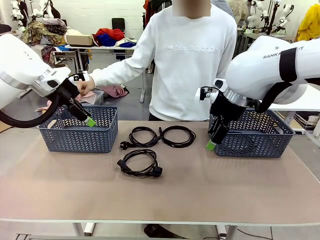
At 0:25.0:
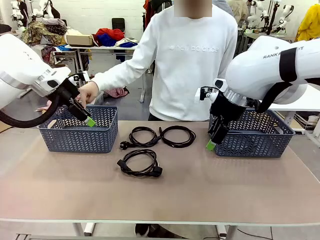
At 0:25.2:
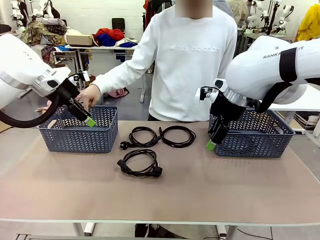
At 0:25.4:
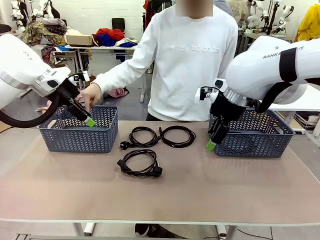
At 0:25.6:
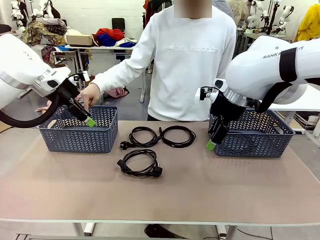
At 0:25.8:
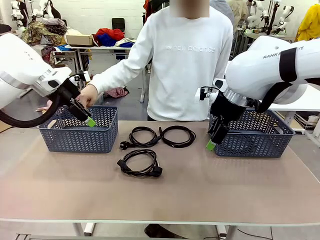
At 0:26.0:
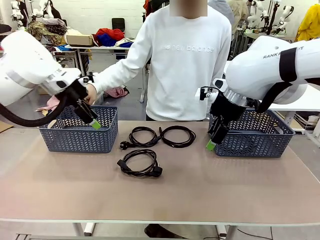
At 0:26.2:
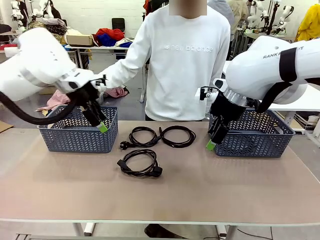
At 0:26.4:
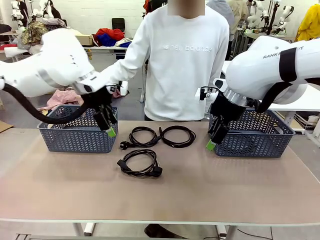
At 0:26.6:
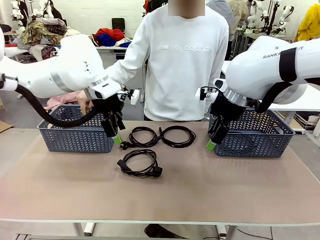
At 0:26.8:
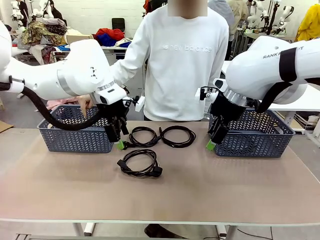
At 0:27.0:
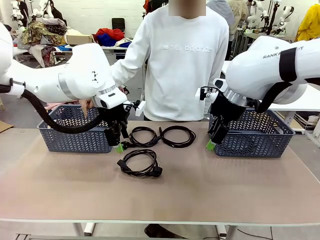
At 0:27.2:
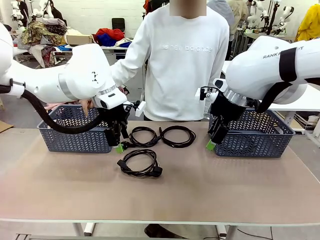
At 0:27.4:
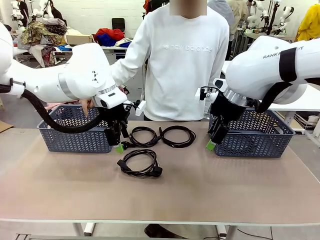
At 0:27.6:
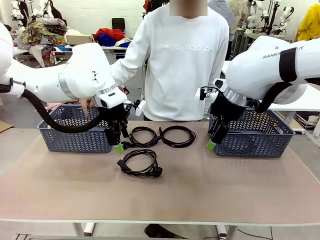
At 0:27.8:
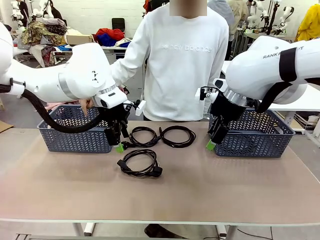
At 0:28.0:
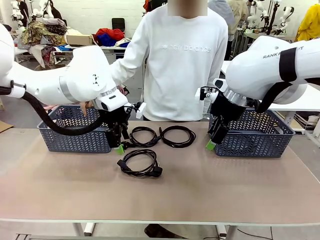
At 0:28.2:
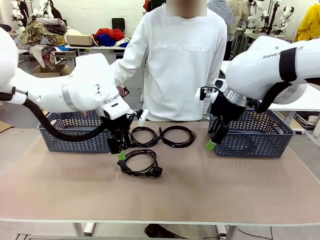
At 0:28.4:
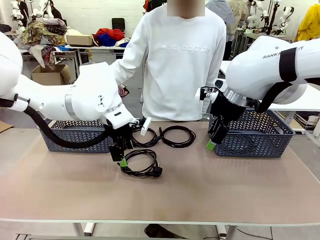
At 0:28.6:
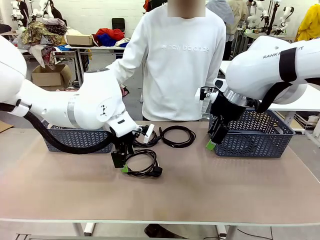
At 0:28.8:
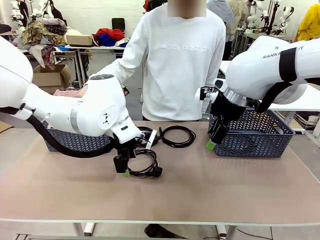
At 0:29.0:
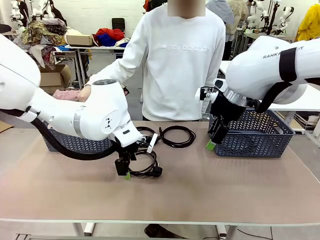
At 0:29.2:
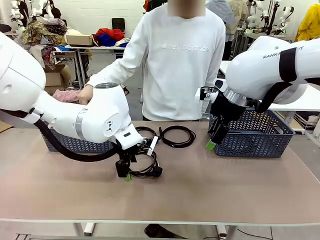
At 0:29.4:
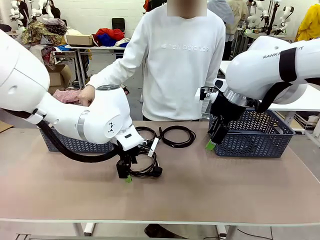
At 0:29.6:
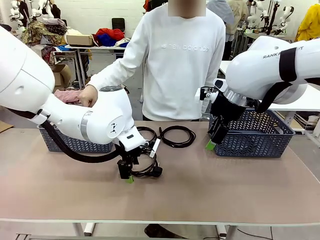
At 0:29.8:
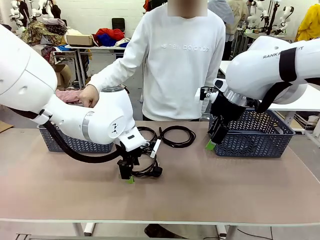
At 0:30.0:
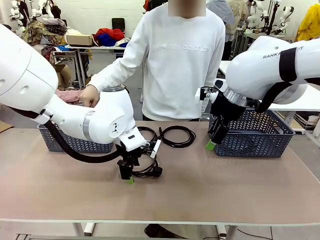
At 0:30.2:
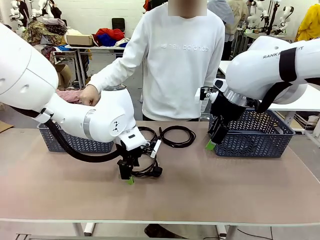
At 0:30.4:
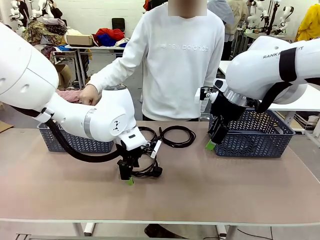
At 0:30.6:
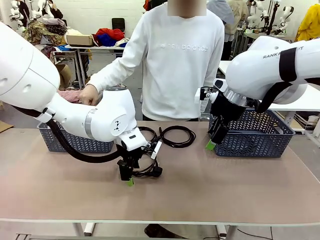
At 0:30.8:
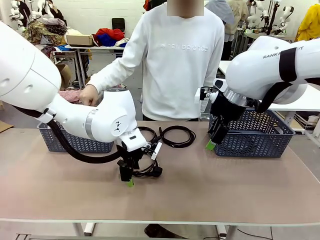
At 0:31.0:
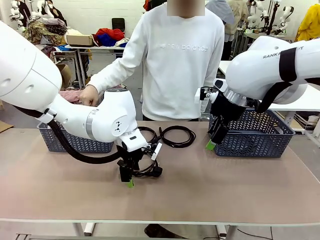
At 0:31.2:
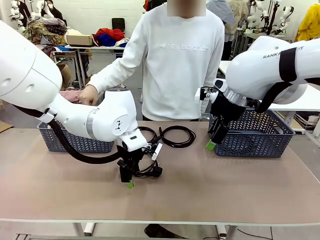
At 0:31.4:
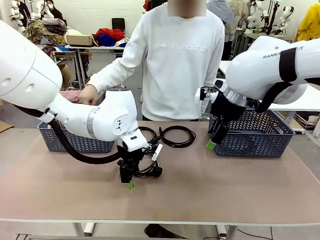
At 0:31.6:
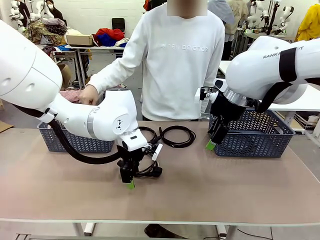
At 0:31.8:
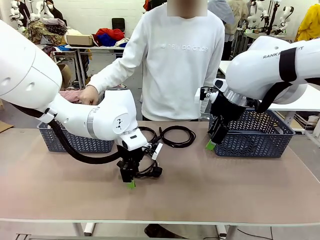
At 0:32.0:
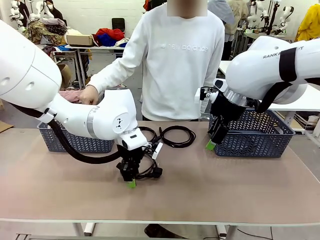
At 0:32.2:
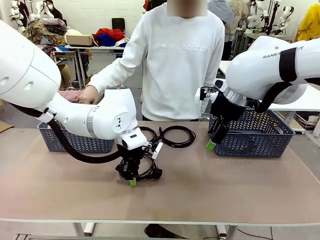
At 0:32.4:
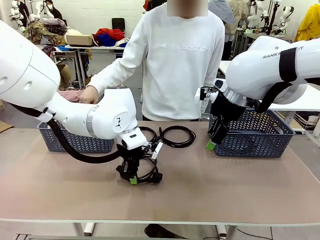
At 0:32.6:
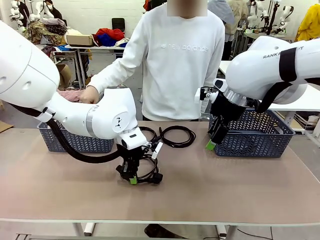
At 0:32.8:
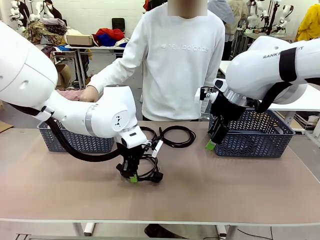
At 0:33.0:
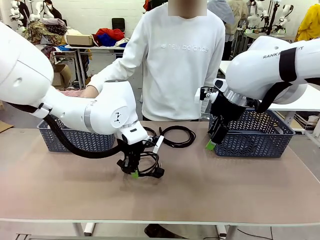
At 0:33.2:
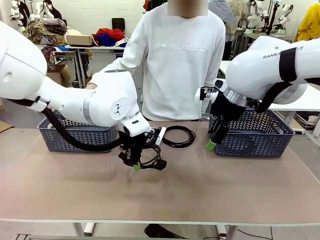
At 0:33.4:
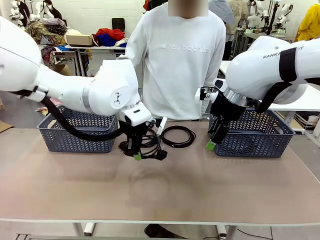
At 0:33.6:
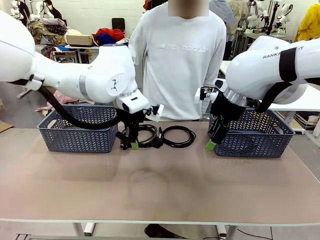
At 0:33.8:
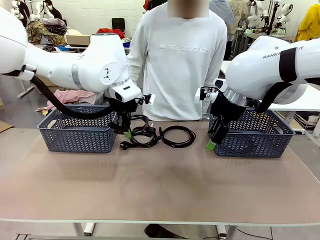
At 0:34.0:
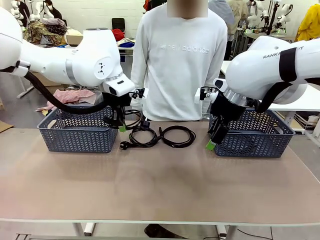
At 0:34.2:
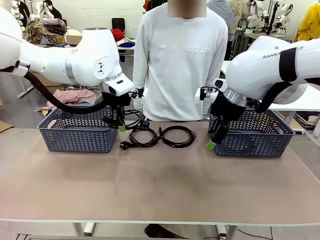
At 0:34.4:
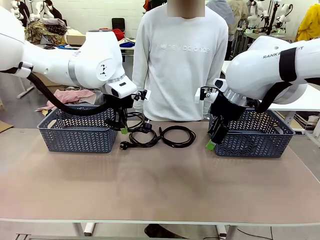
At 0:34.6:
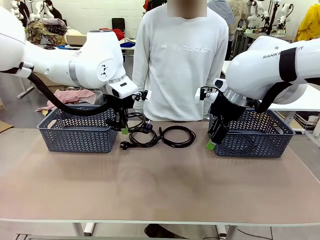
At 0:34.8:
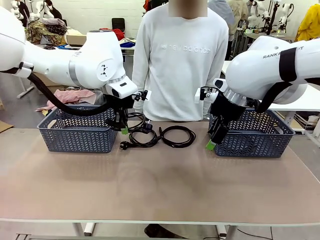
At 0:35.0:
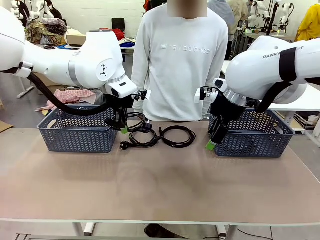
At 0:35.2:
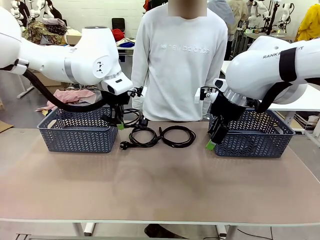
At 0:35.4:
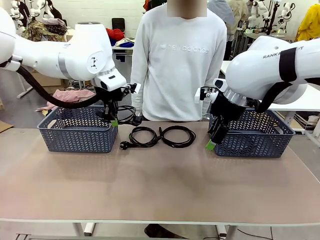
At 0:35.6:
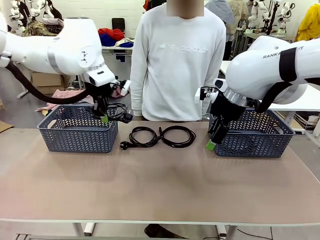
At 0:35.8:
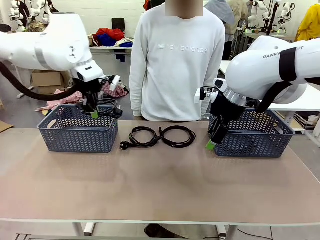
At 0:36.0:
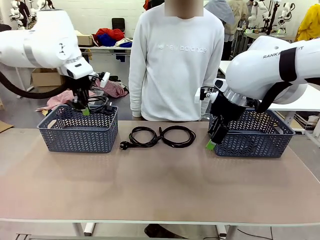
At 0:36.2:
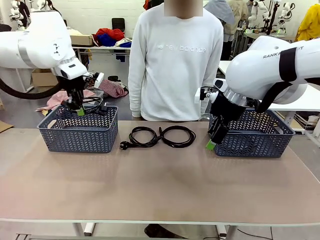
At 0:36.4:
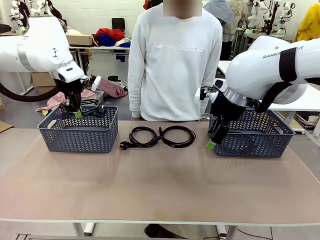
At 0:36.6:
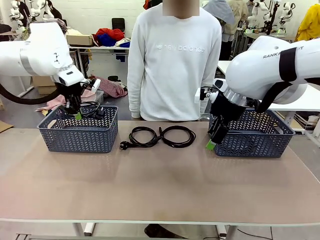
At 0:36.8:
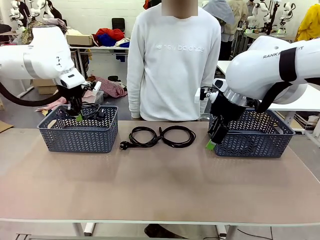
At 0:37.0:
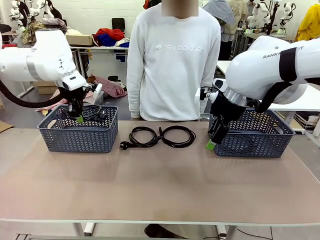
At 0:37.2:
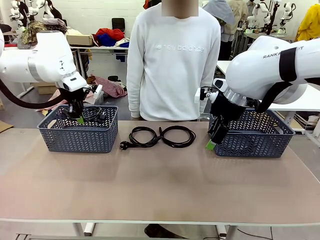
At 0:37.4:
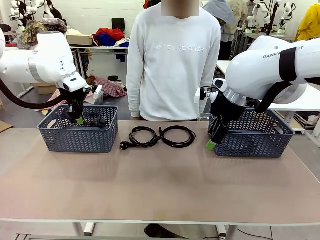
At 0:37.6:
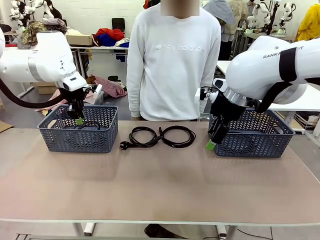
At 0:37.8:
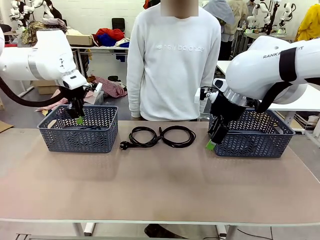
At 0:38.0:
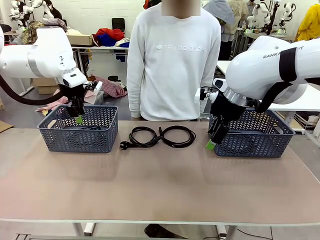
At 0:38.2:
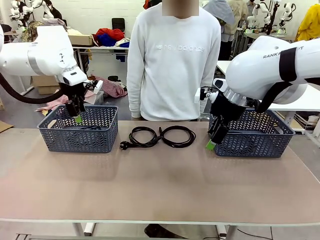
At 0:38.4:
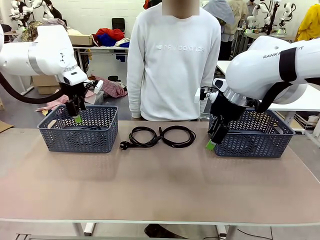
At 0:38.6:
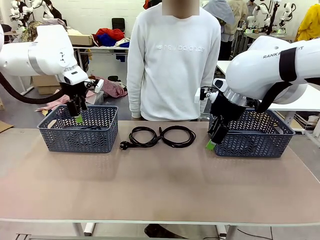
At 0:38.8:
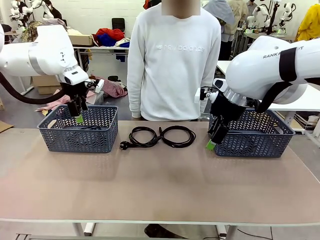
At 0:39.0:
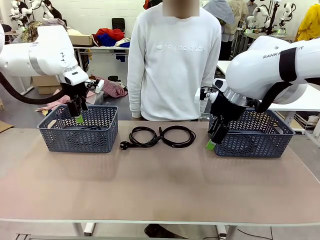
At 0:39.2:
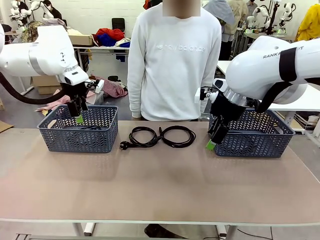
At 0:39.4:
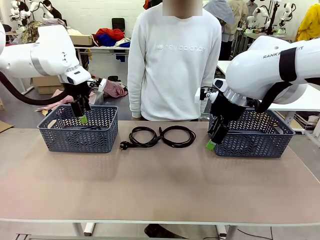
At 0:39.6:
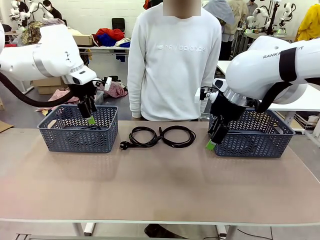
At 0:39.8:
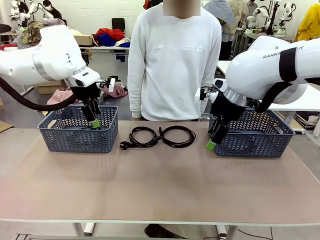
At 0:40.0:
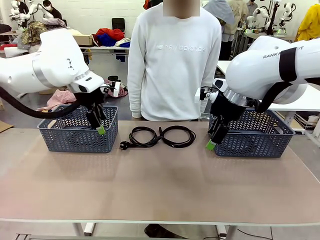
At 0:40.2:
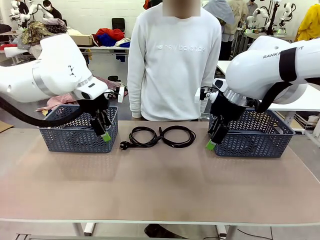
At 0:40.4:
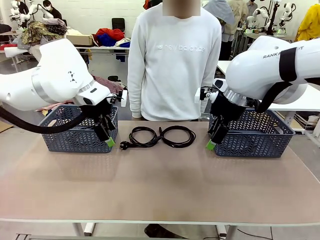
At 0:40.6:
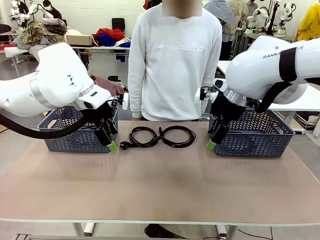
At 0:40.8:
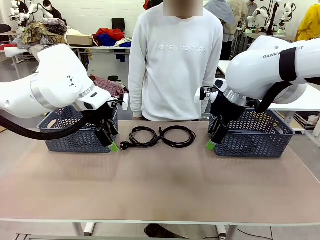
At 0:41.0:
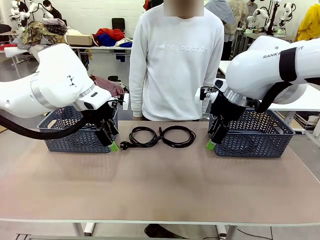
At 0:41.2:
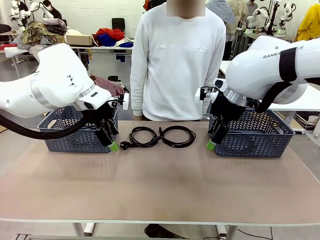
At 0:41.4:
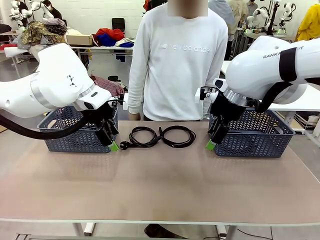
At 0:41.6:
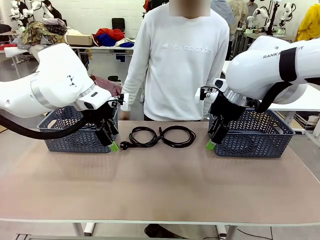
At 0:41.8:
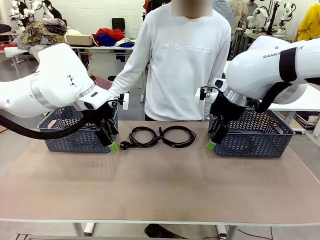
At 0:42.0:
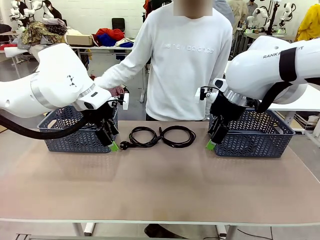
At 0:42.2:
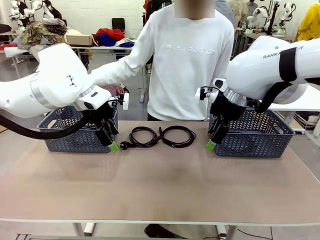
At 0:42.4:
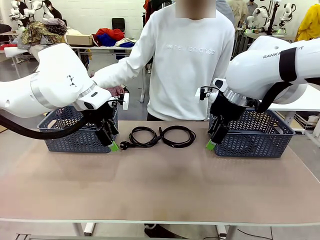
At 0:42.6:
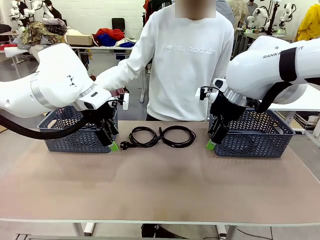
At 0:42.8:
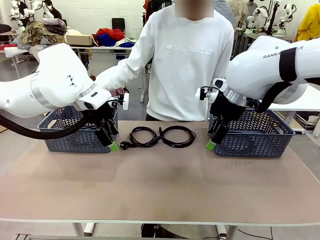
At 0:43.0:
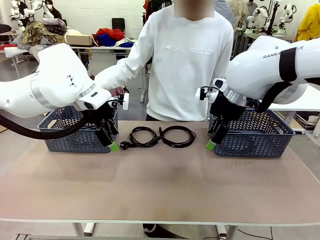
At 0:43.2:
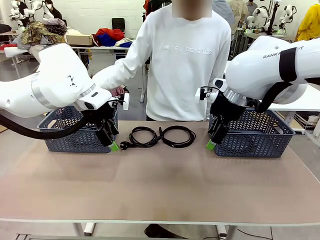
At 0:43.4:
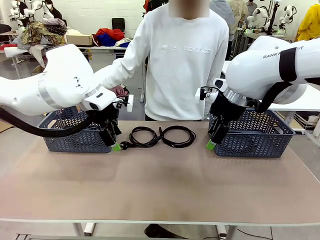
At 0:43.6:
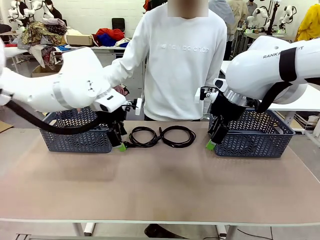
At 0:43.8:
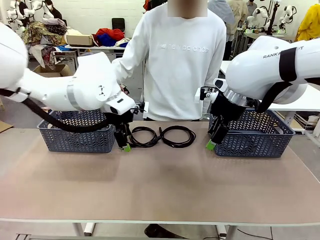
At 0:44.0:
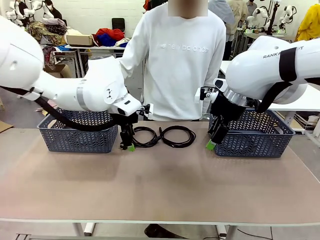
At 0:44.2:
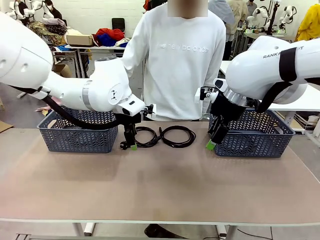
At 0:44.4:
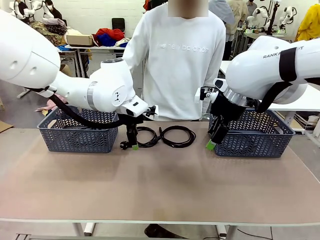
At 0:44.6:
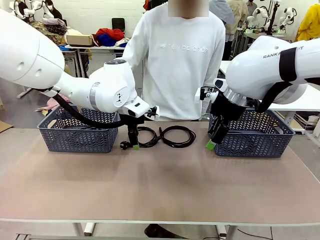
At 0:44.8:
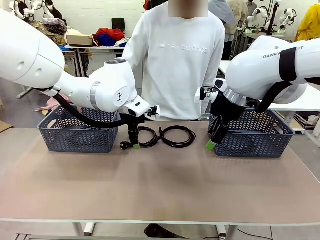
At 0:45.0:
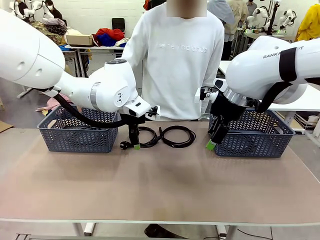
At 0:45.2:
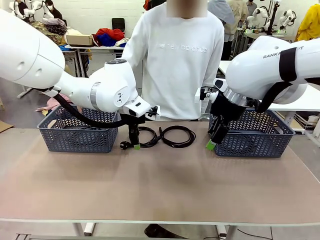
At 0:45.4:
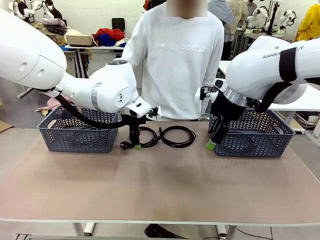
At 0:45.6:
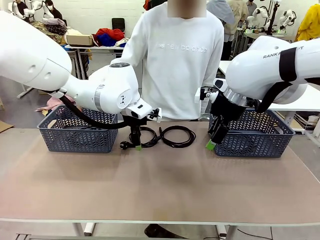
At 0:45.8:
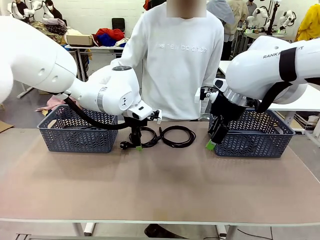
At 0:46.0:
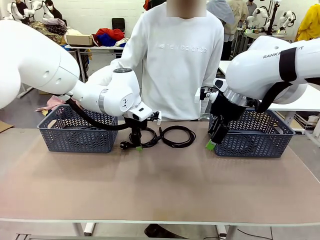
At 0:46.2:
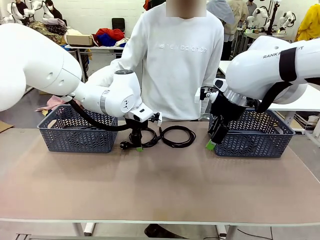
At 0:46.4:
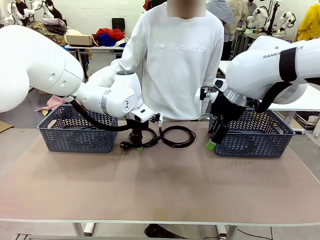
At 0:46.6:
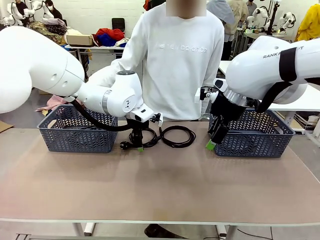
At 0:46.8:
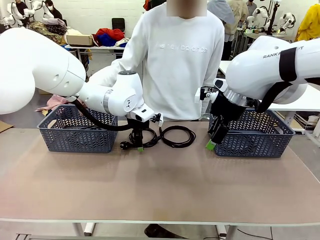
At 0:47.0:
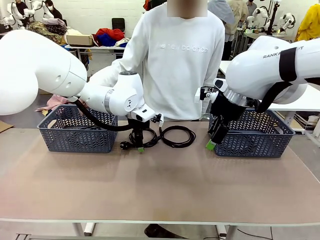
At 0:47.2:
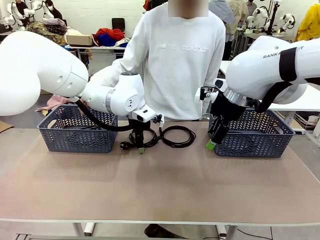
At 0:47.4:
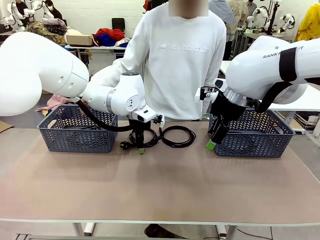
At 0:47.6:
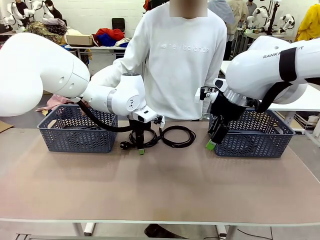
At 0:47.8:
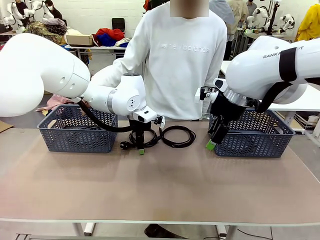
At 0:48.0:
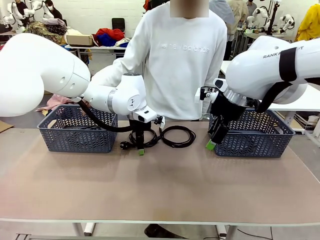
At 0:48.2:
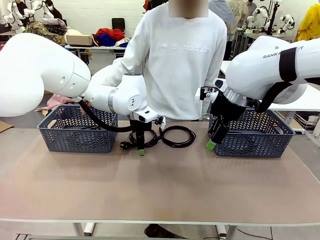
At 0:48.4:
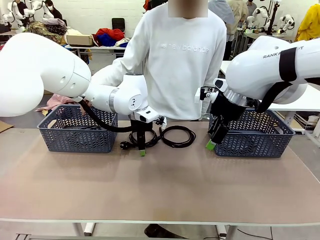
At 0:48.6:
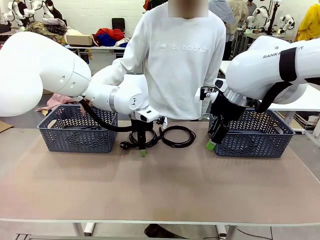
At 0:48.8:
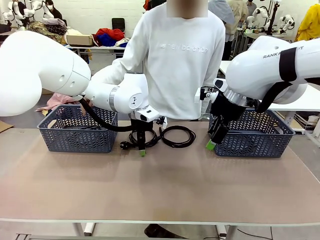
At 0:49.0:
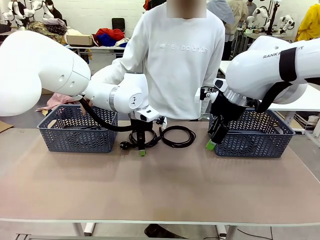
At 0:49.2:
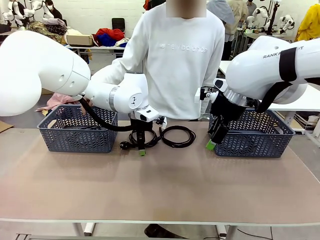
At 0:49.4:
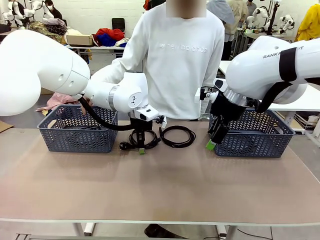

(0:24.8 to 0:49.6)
Task: Organize the cables according to human instructions.
Robot: Pick up a bundle of cables and place it in the basket indicated by the human.
